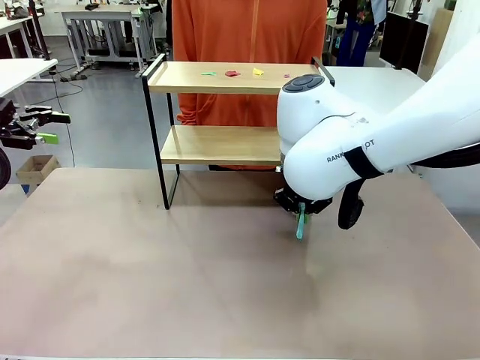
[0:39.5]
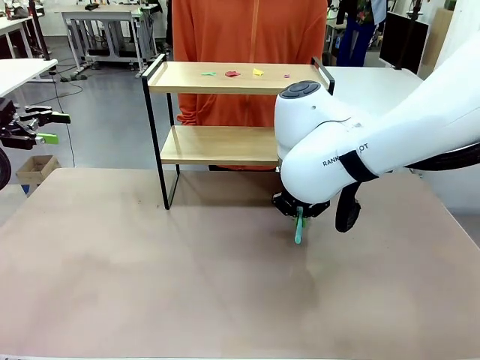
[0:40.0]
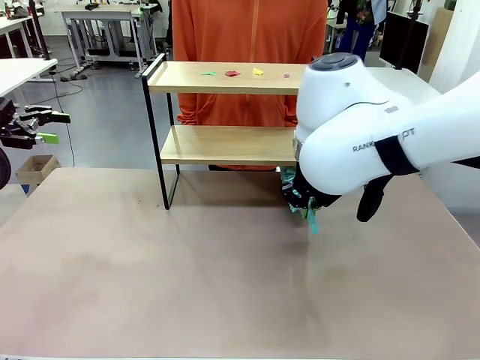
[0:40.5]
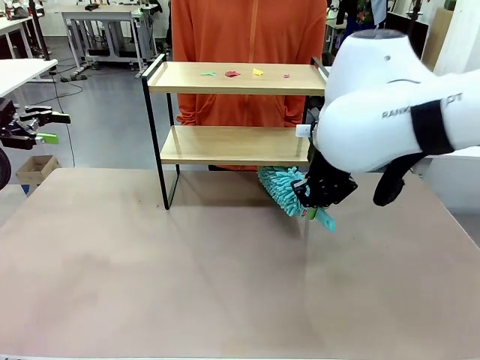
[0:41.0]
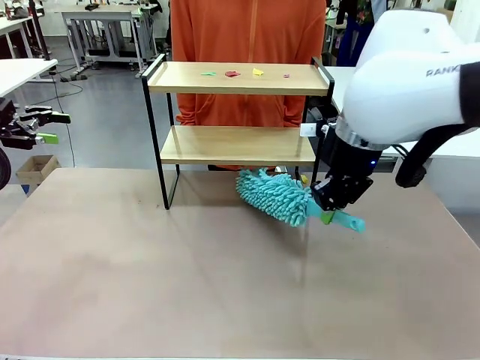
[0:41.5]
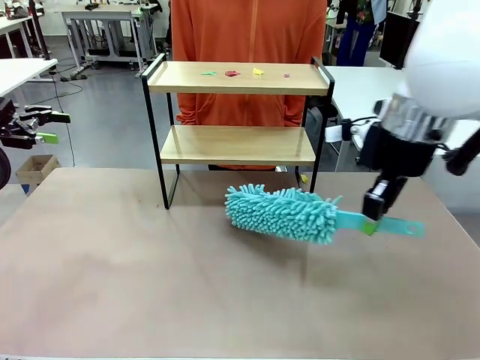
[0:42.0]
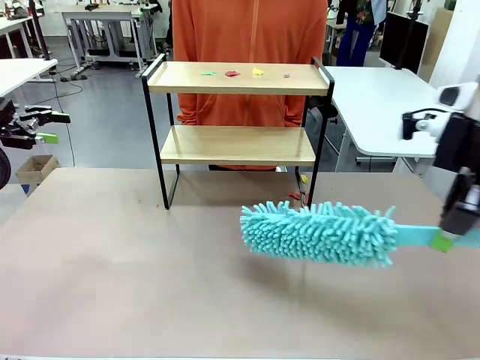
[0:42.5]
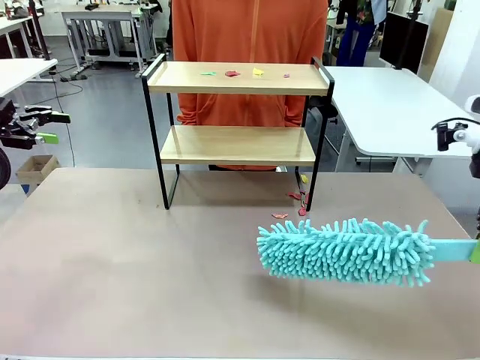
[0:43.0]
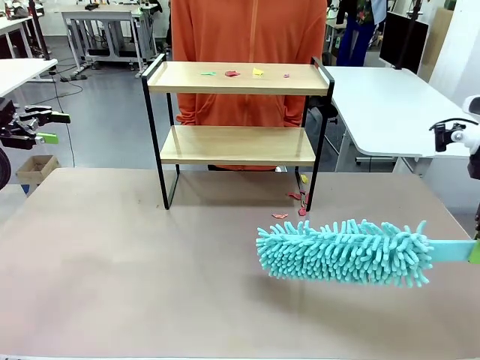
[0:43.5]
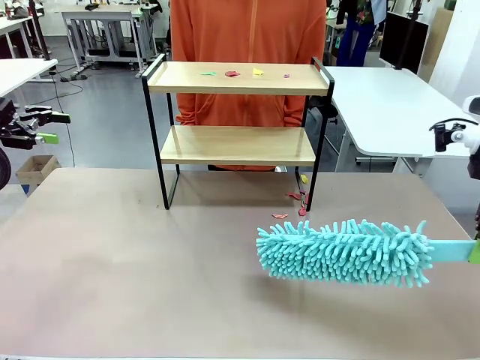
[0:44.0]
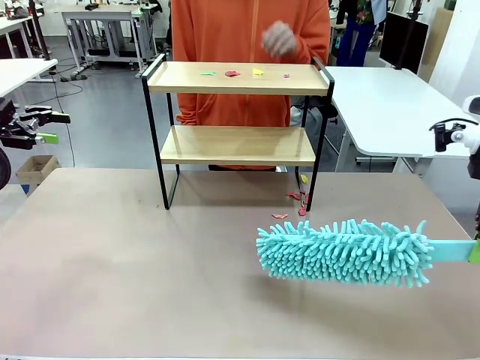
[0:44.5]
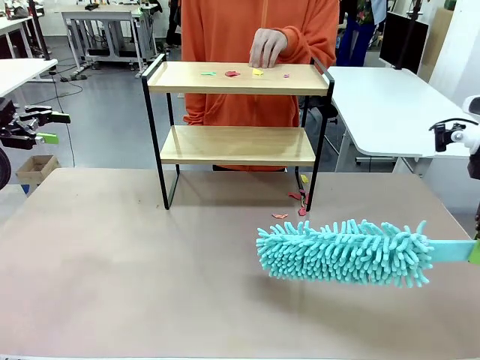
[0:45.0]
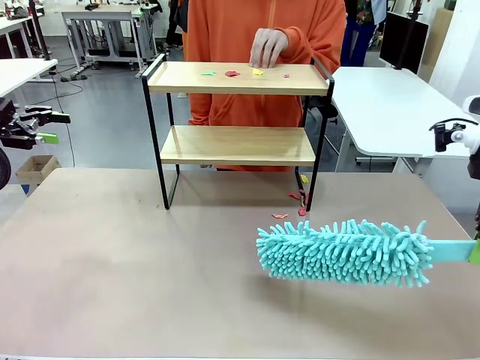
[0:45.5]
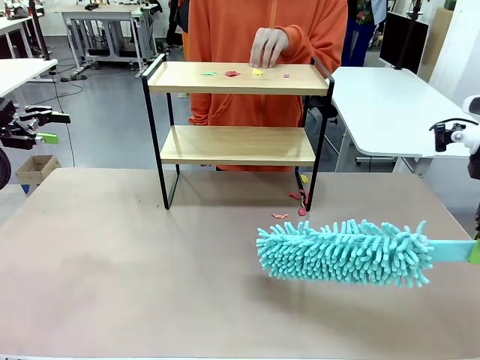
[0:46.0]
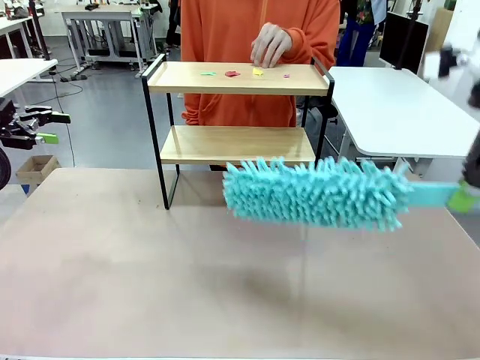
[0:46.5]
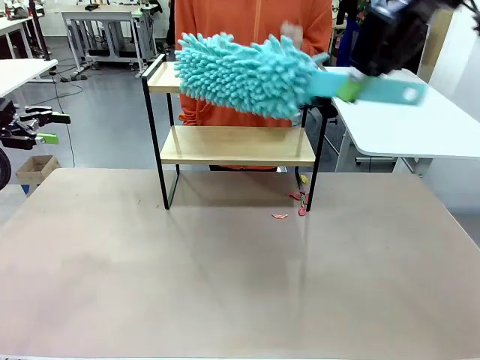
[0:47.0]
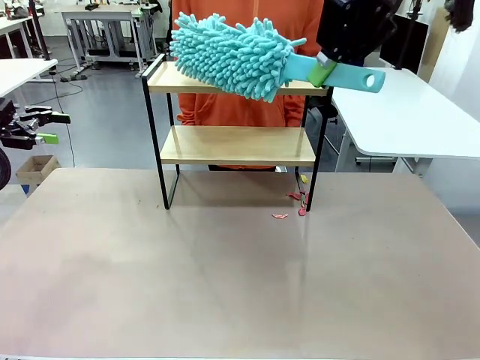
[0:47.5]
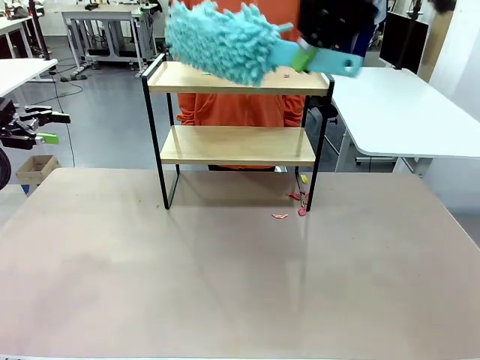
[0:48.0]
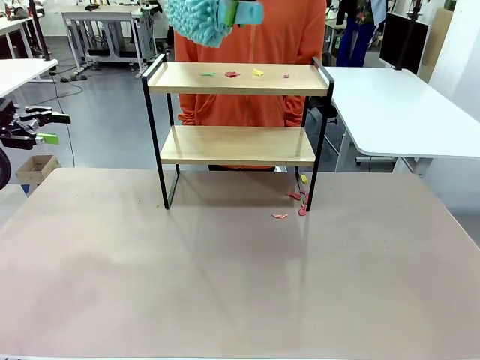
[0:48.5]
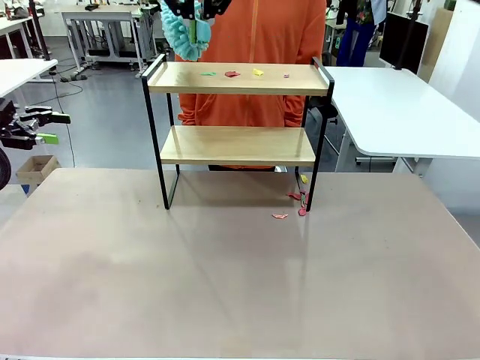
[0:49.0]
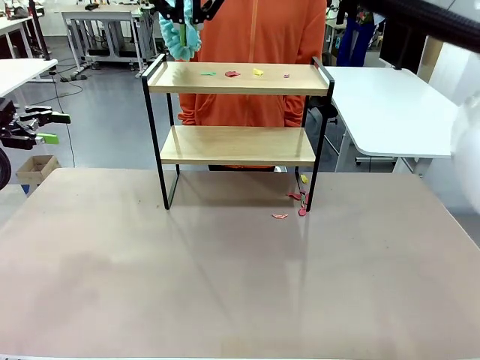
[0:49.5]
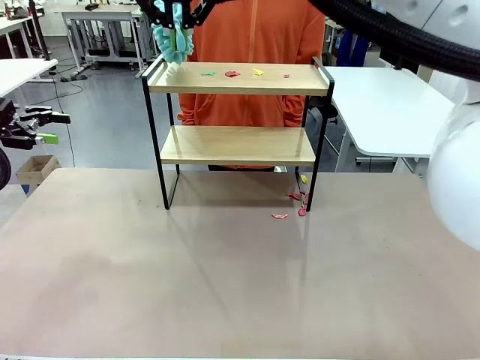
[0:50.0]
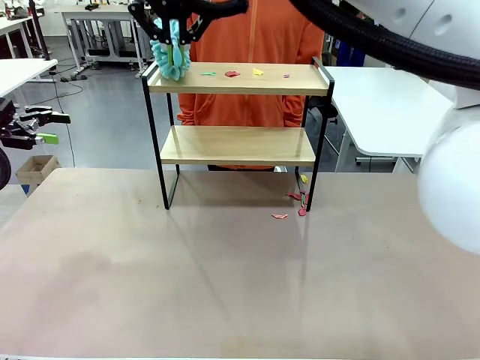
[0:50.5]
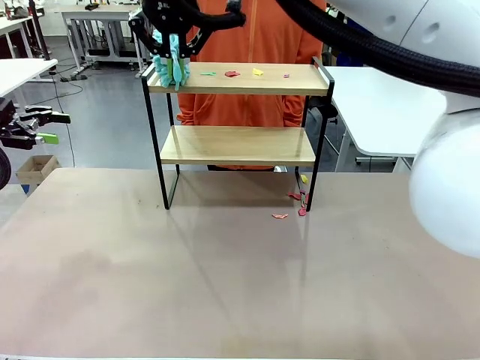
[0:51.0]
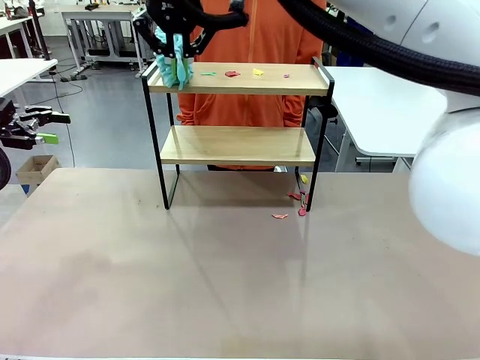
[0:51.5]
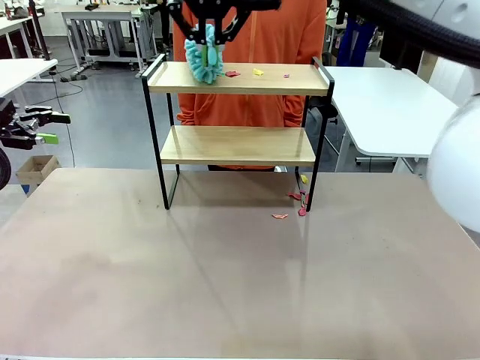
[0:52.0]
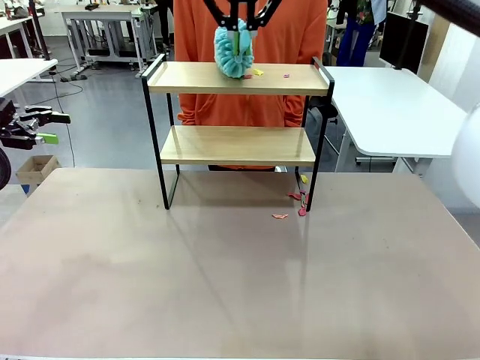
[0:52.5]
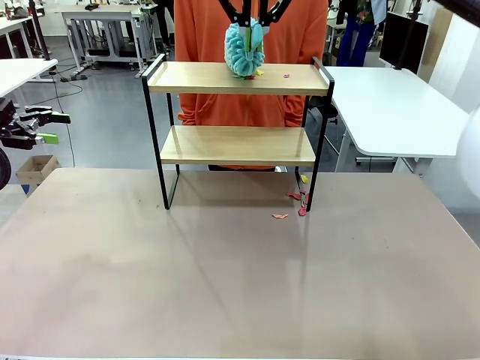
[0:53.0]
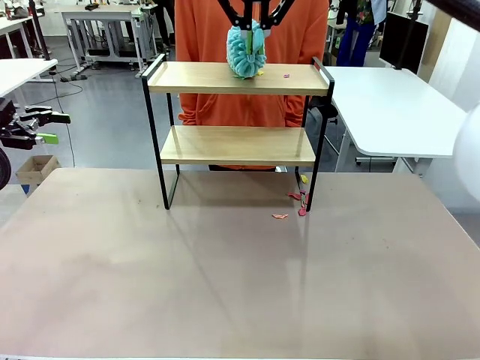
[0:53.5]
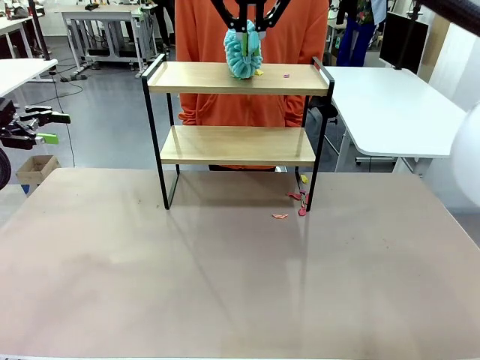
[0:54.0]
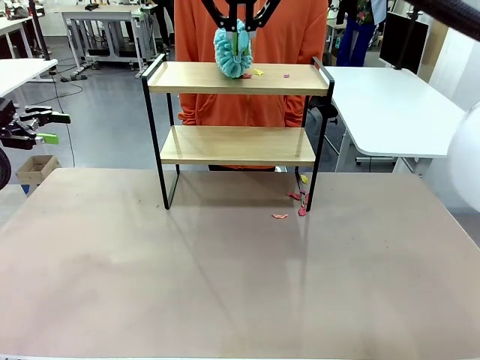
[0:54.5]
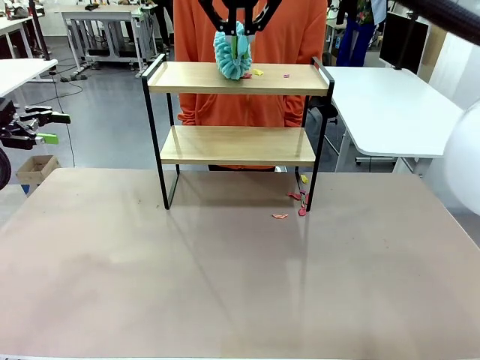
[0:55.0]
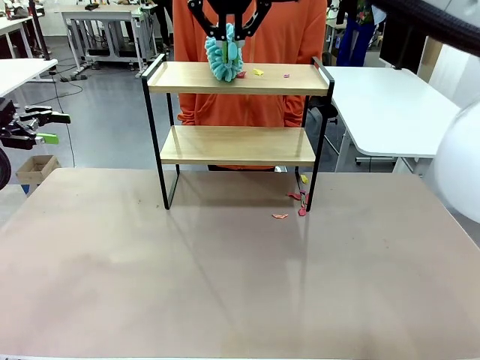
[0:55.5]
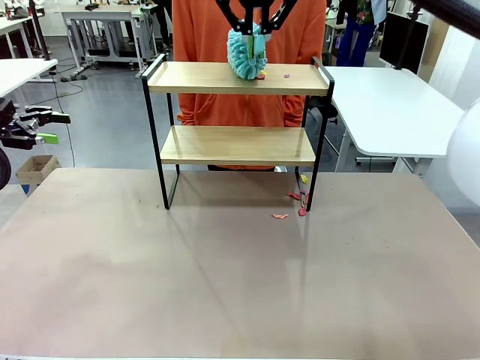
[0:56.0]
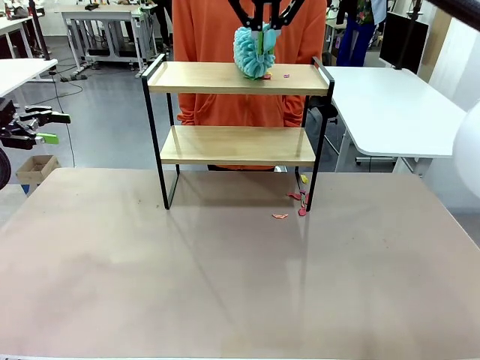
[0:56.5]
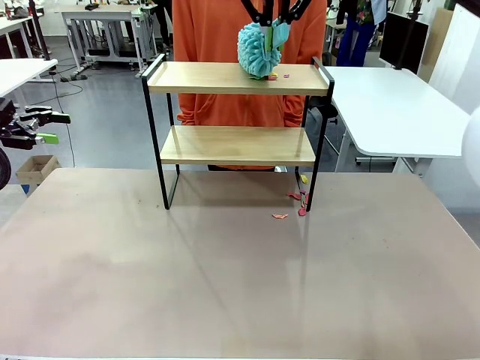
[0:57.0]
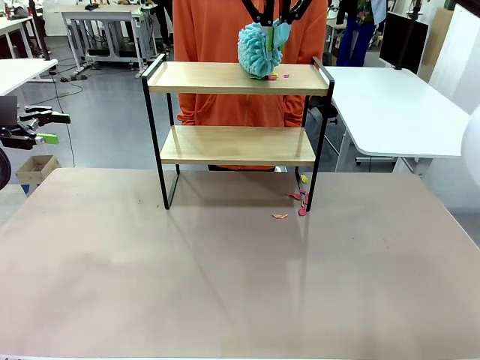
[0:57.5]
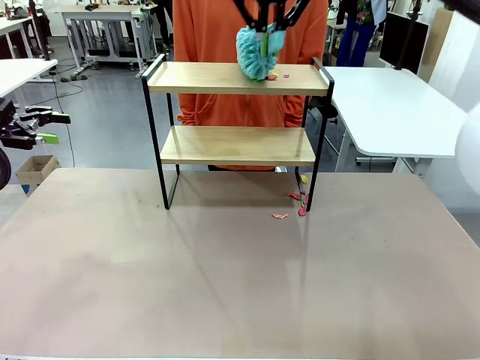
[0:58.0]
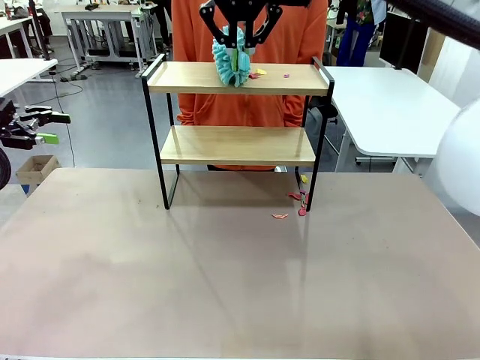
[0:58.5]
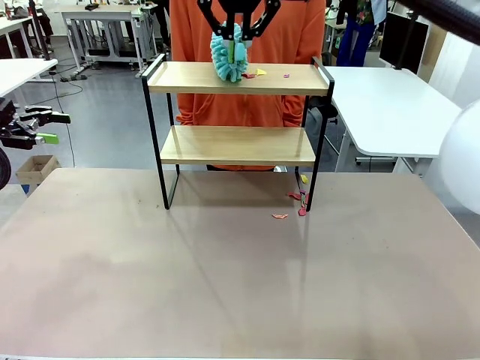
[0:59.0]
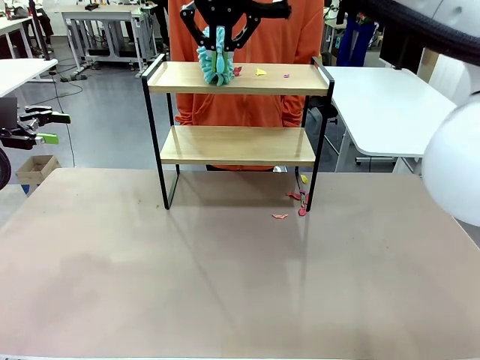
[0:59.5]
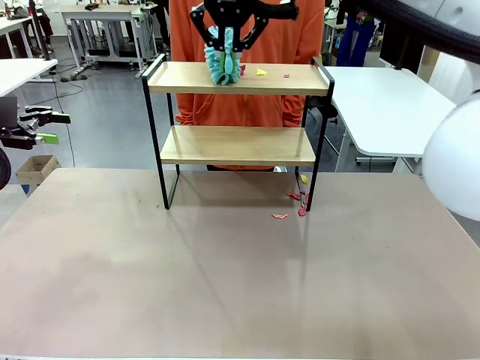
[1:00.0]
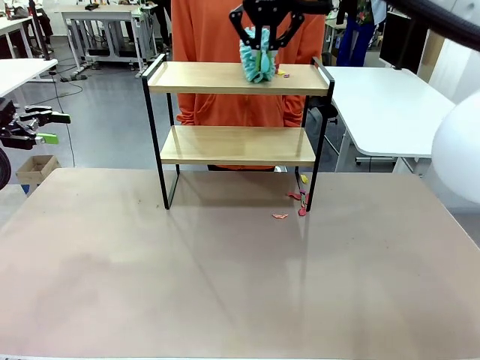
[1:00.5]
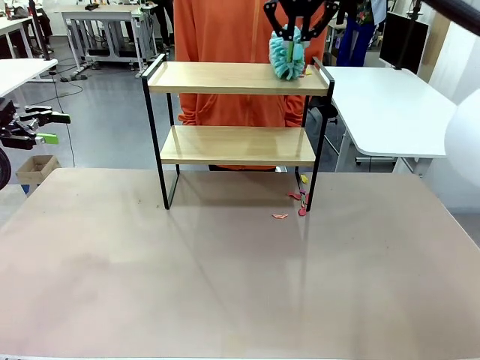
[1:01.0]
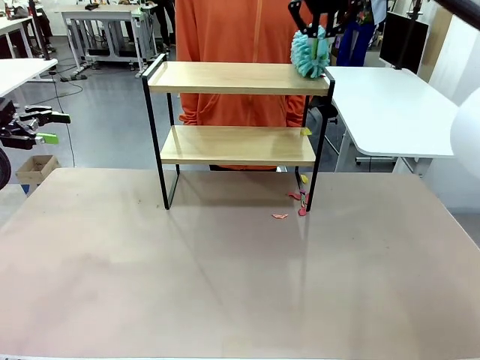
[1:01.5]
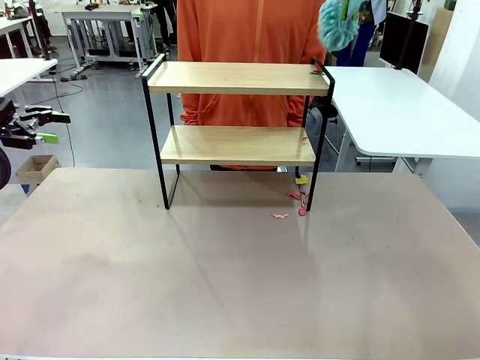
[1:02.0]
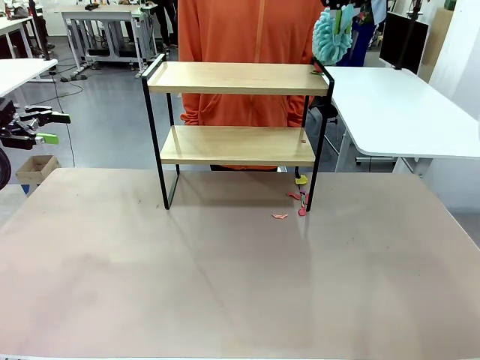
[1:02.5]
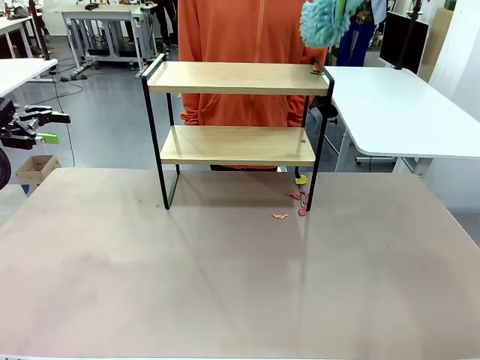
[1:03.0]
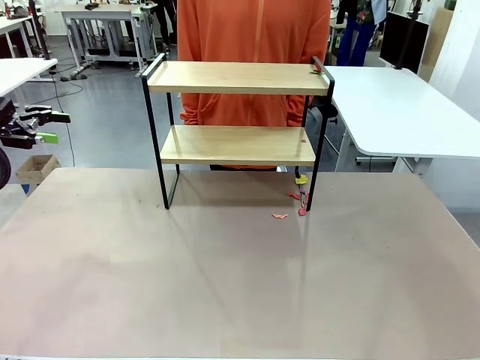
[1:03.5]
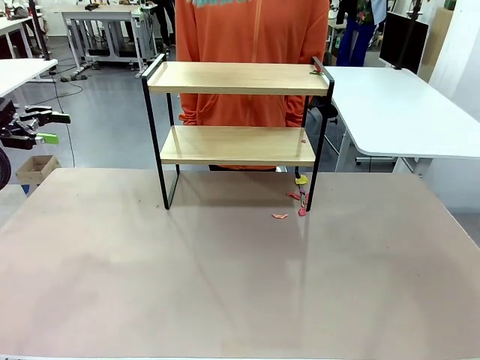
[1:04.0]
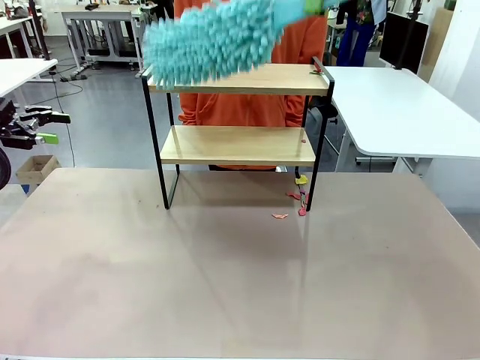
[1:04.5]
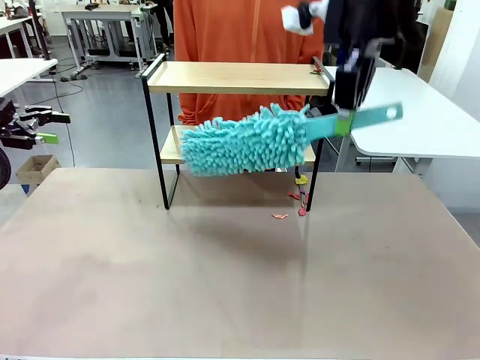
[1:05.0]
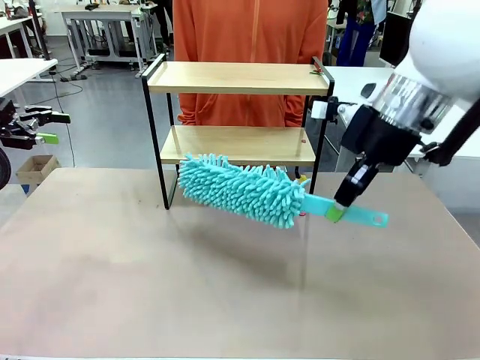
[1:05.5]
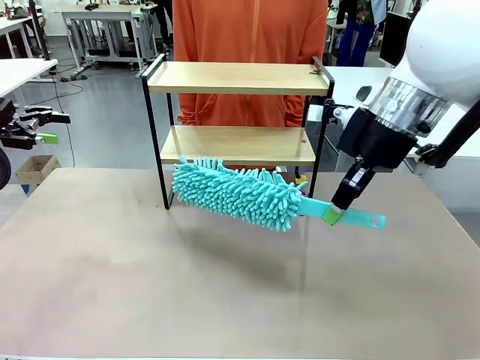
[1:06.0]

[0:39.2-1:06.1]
Task: Clean the shelf.
Robot: Clean the specific section of the Shelf indicated by the human with the Duster.
Person: Receive the Duster from the robot.
